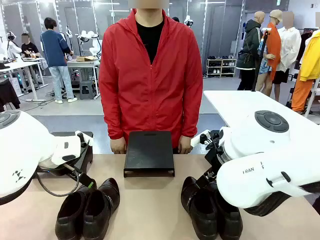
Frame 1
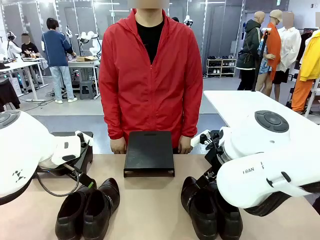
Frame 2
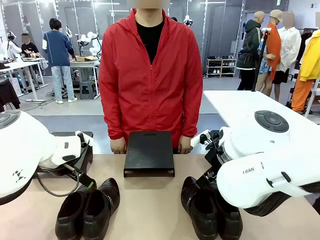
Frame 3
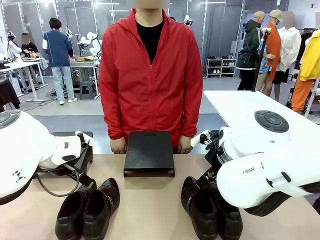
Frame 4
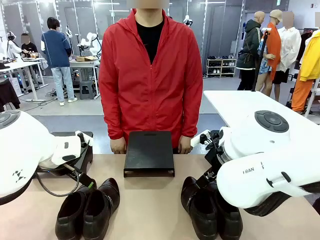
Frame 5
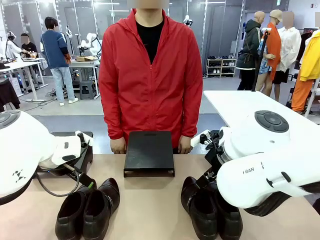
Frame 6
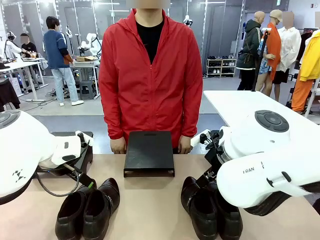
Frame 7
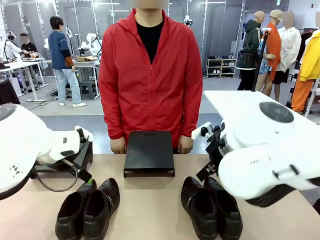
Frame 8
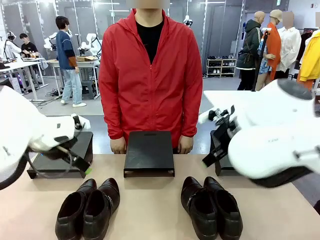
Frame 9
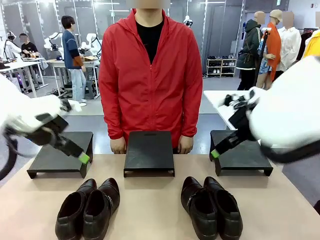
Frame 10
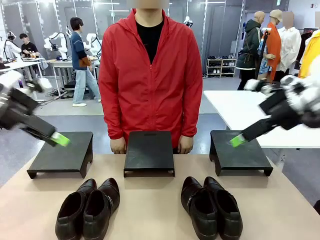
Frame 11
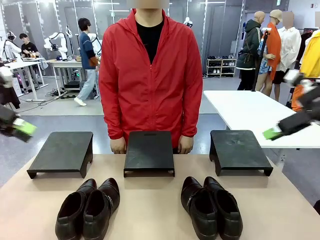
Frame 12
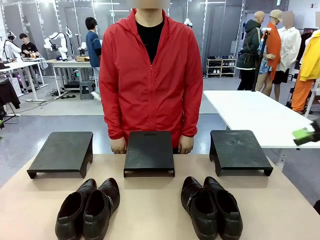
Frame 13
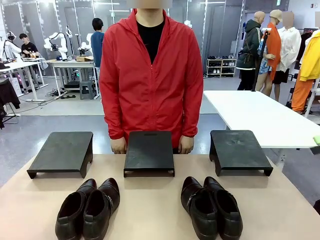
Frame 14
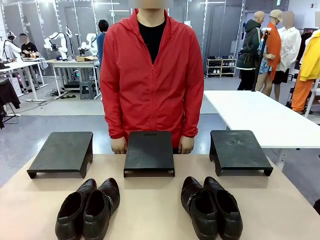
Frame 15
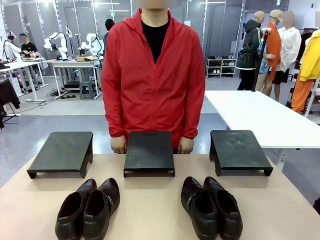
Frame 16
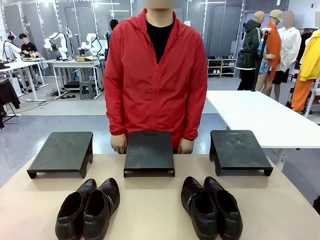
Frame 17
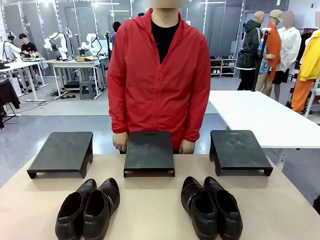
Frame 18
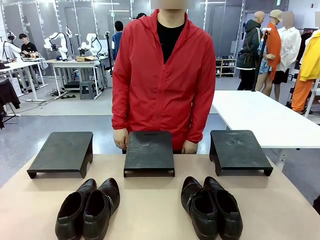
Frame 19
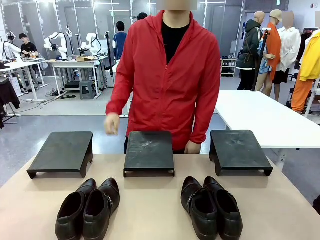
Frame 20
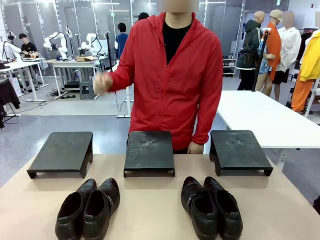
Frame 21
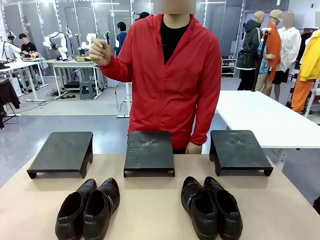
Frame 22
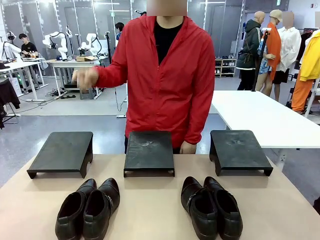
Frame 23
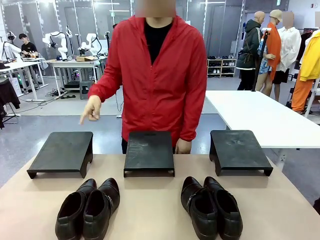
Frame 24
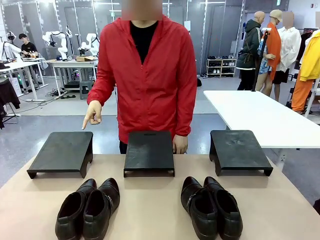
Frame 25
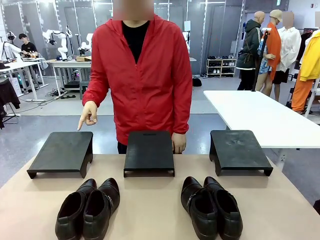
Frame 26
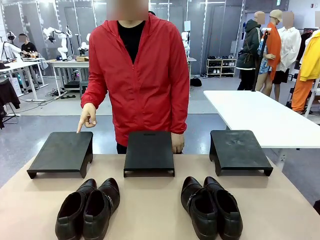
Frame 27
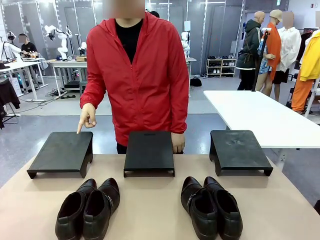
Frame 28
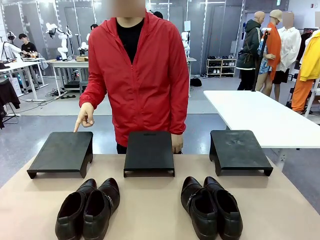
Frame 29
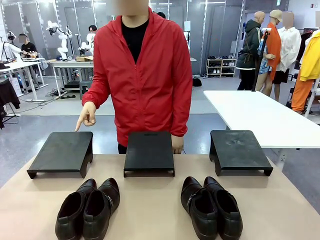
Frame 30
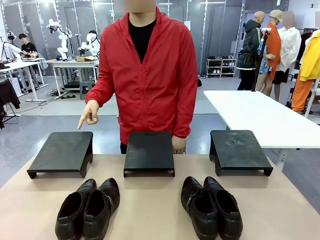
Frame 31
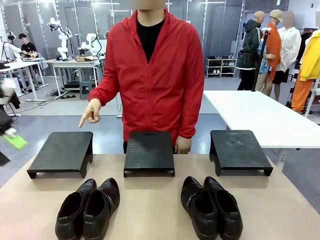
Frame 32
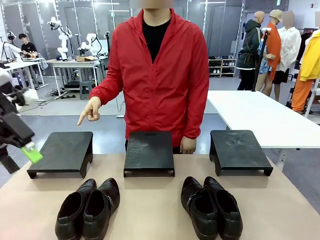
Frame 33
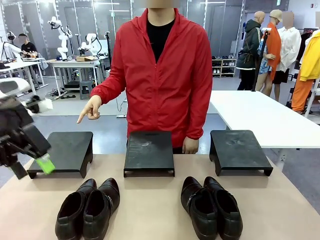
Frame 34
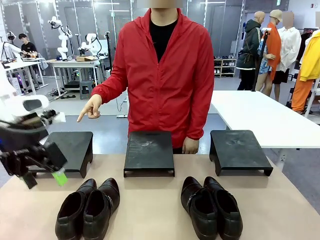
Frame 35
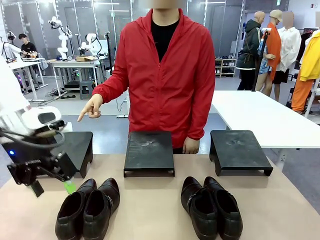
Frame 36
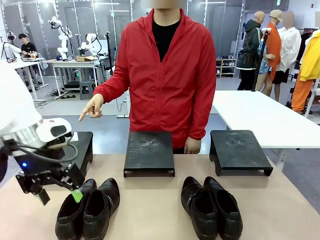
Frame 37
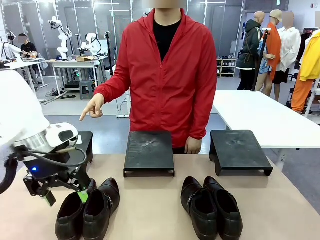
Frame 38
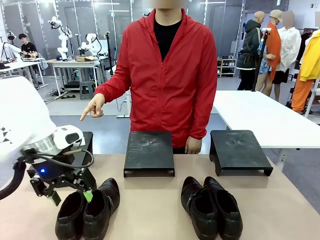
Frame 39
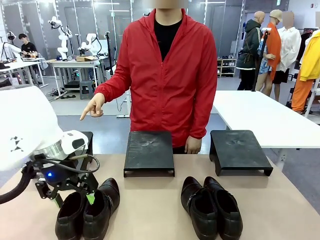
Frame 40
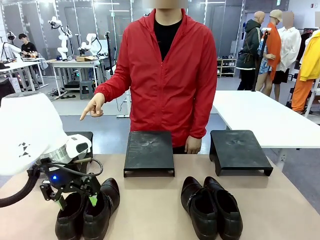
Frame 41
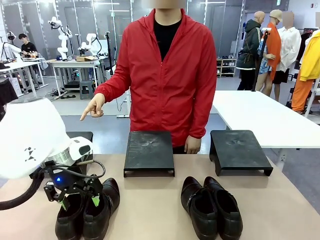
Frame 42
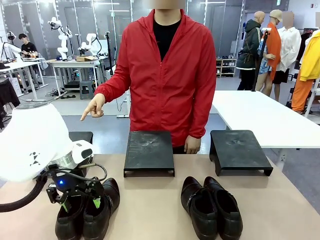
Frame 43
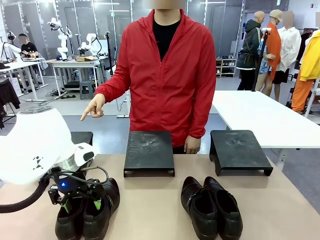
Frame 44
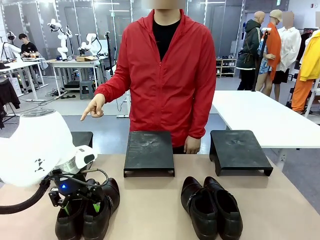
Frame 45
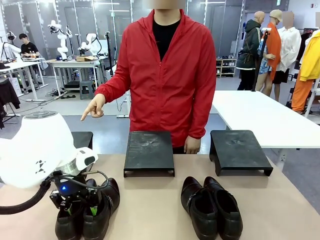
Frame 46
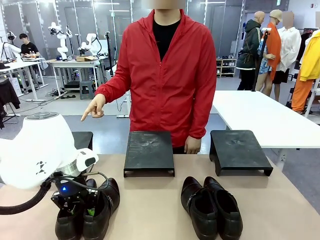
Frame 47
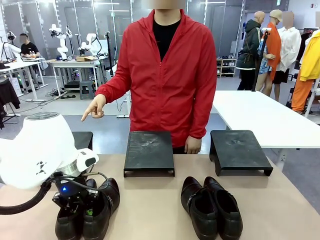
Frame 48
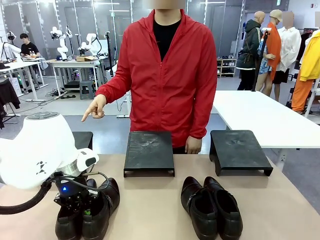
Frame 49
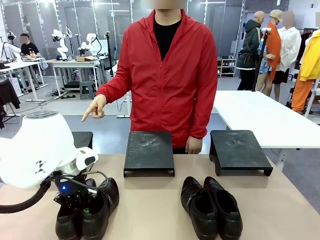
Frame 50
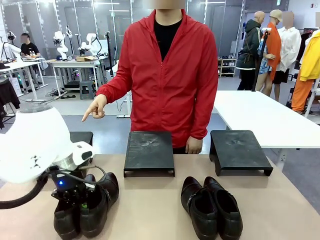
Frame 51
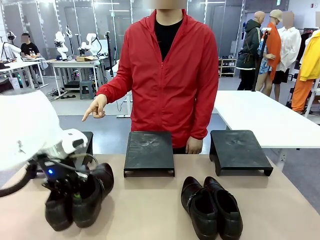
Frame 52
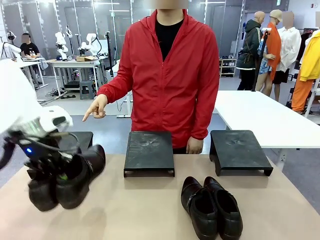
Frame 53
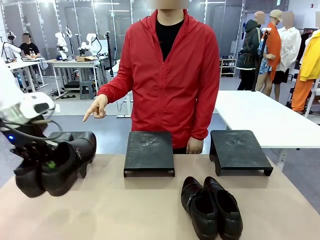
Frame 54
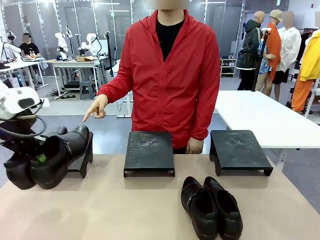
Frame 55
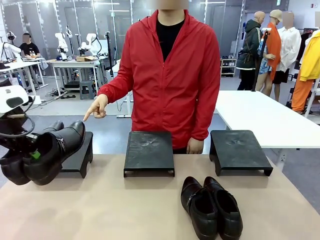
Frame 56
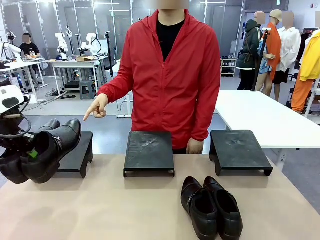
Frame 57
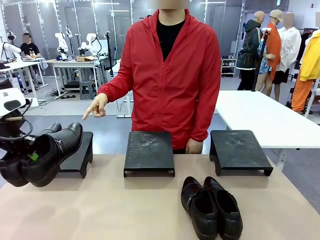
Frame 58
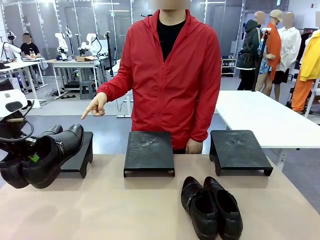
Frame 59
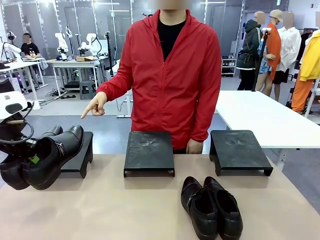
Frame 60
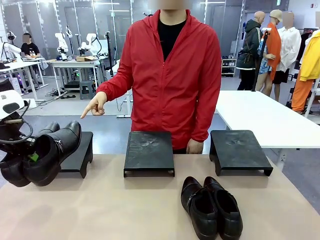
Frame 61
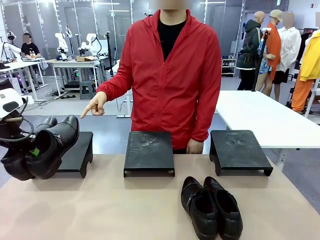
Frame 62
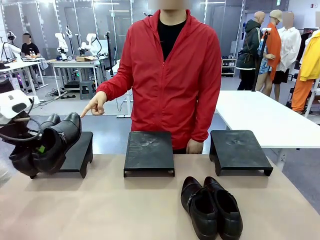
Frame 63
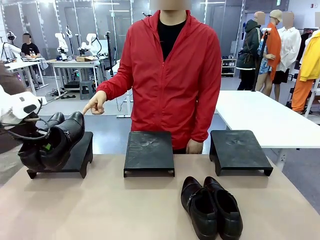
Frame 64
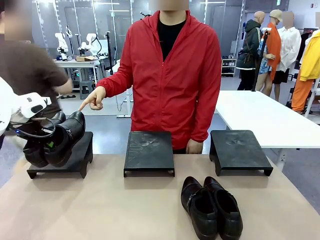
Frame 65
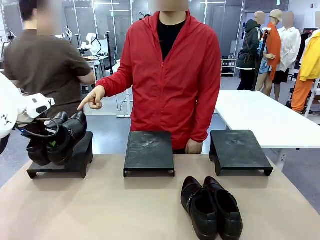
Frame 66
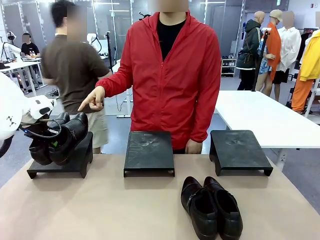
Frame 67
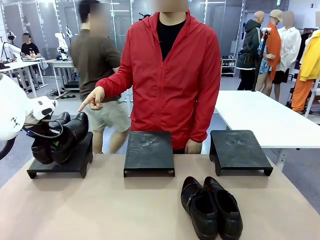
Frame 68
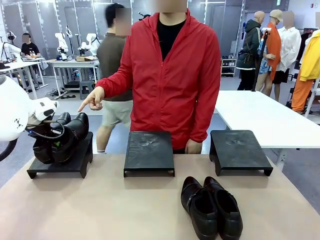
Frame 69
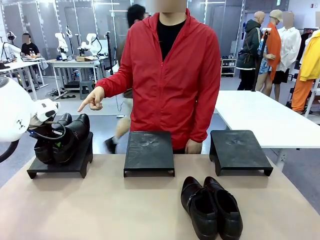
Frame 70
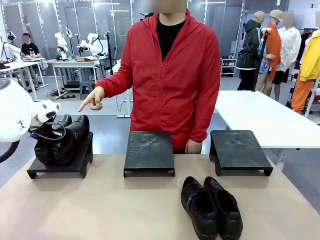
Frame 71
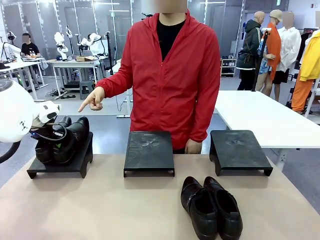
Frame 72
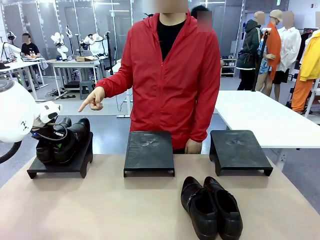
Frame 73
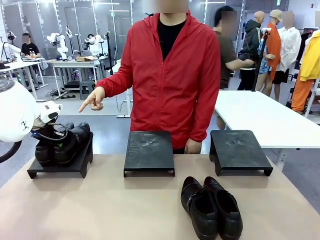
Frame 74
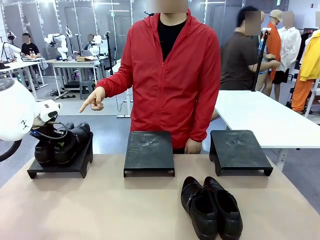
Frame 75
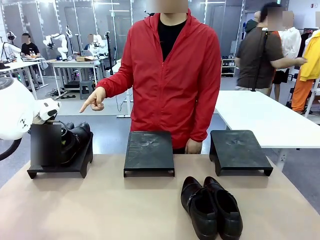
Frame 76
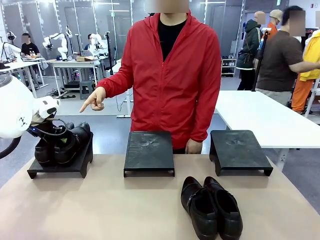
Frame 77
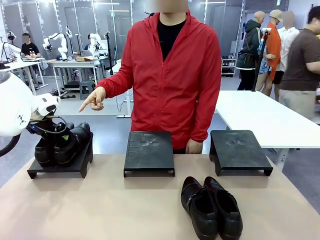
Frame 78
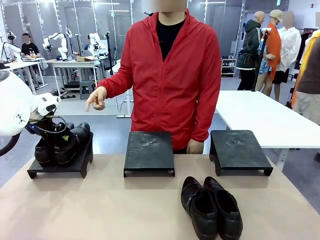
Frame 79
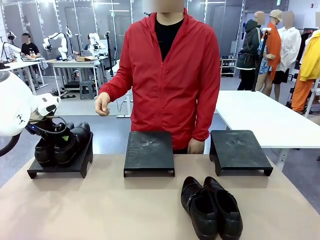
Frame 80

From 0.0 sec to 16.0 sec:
Task: Place the shoes on the stand as instructed by the person.
Robot: Pick up one pair of Shoes and place it on the Shoes Stand indicated by the person.
